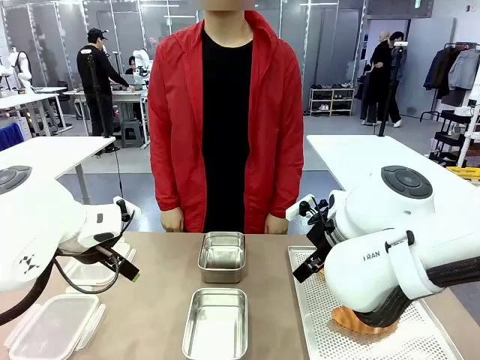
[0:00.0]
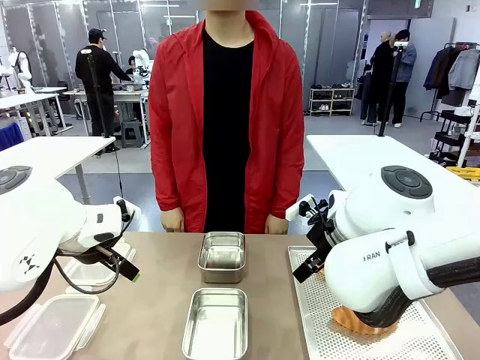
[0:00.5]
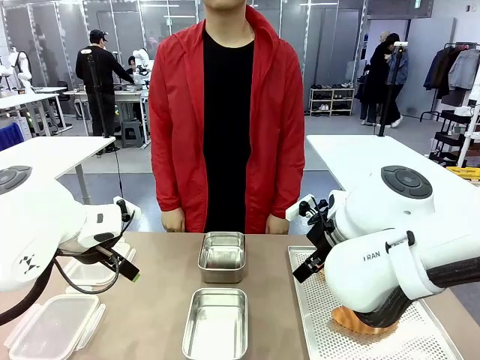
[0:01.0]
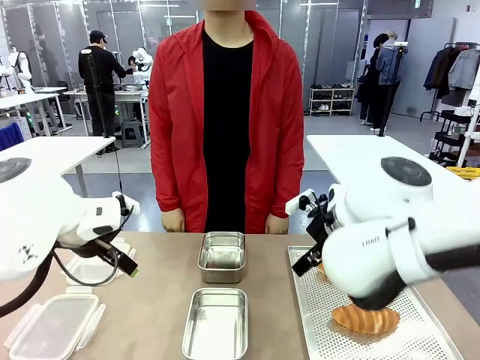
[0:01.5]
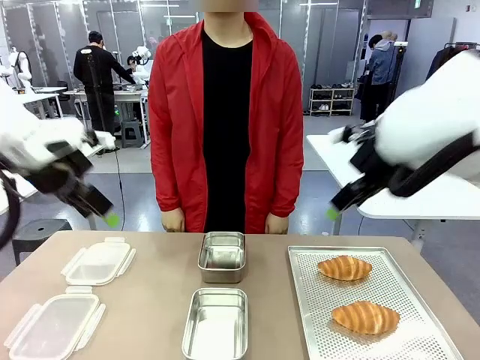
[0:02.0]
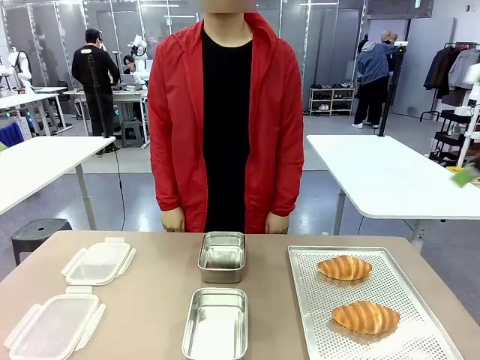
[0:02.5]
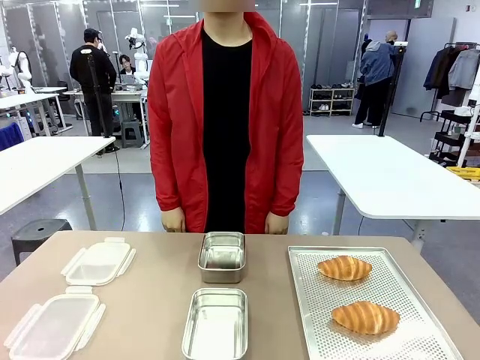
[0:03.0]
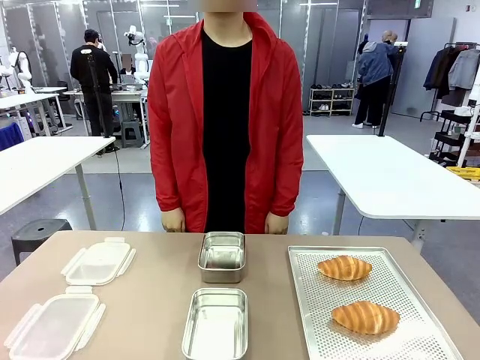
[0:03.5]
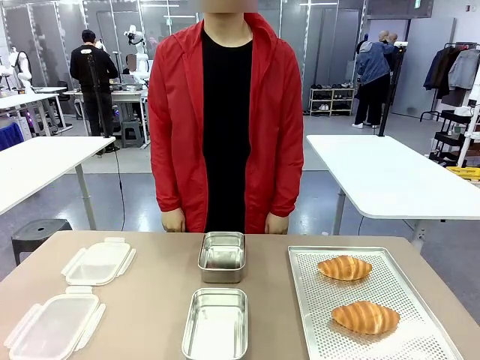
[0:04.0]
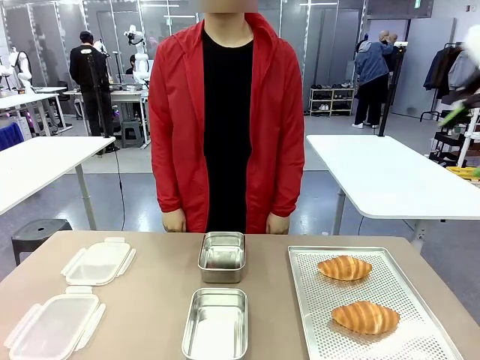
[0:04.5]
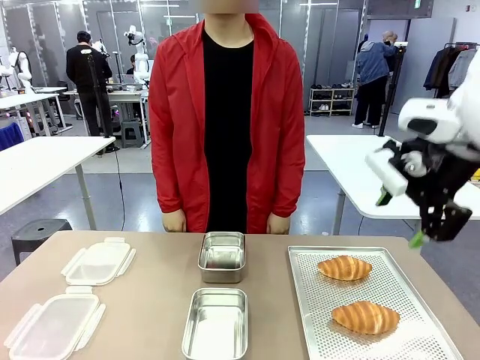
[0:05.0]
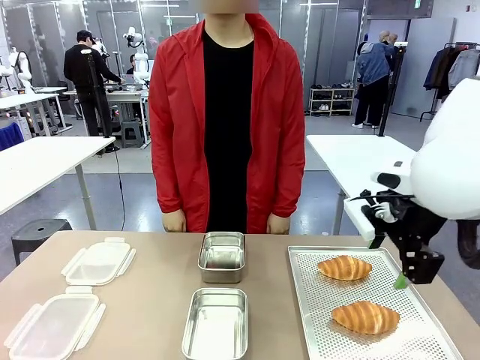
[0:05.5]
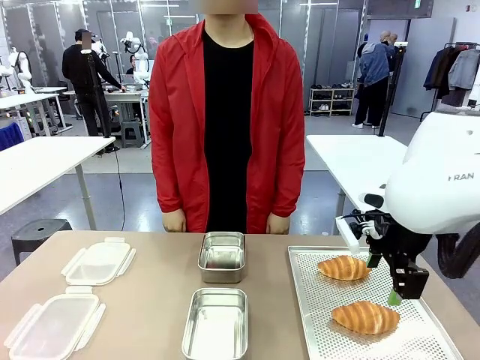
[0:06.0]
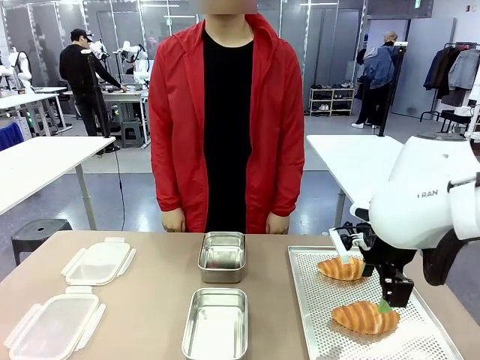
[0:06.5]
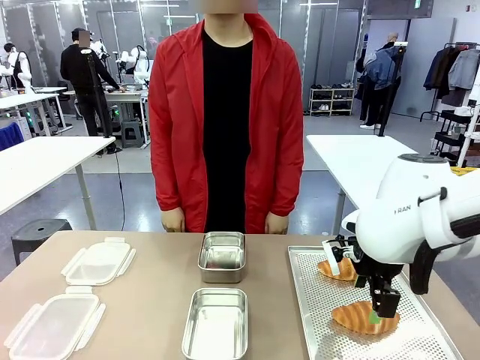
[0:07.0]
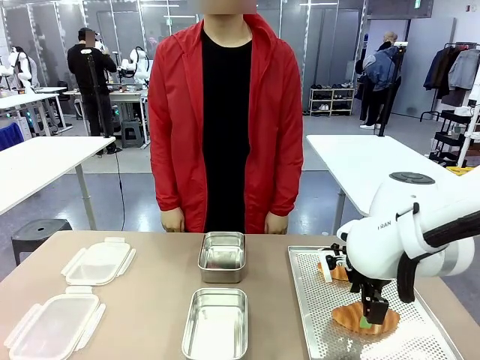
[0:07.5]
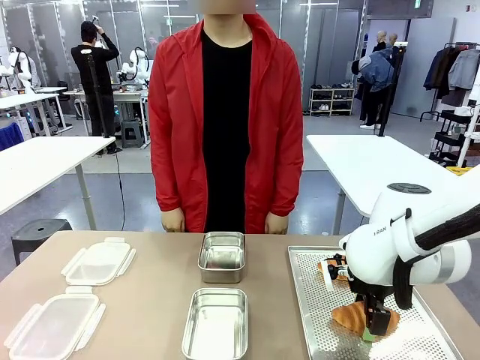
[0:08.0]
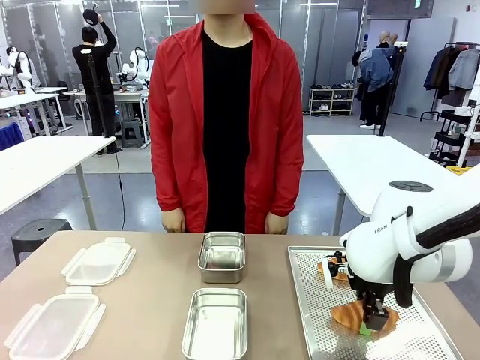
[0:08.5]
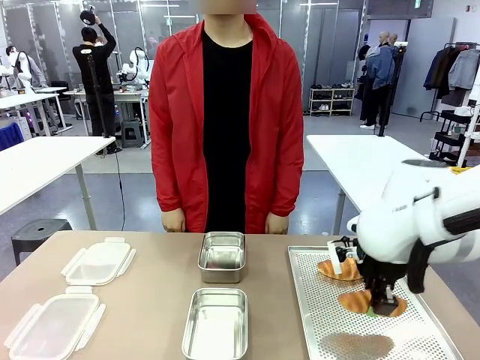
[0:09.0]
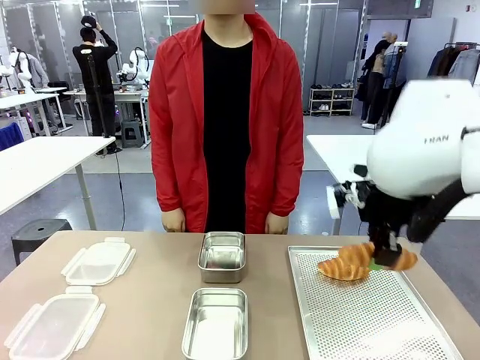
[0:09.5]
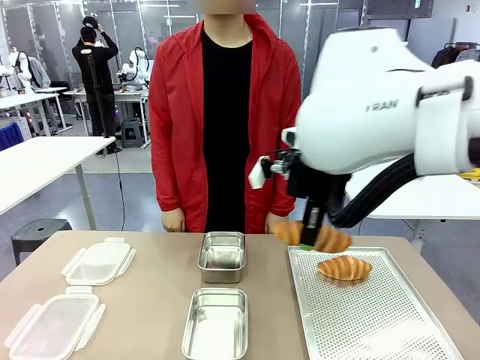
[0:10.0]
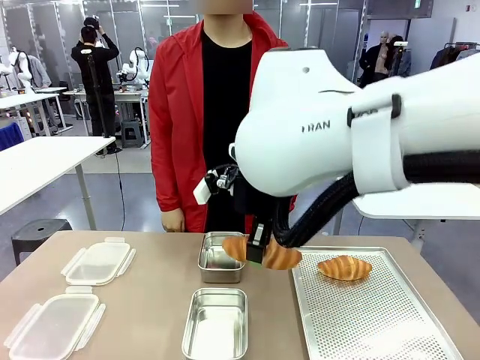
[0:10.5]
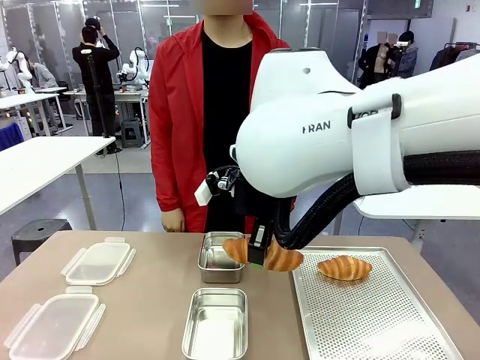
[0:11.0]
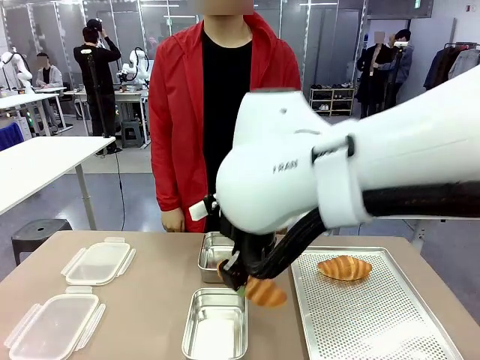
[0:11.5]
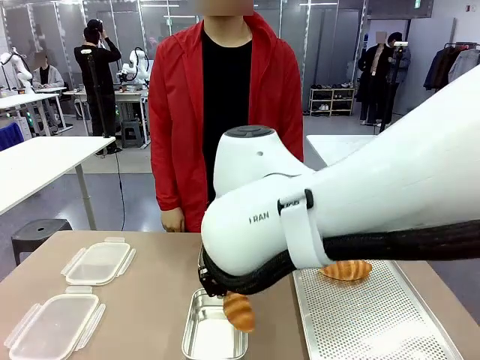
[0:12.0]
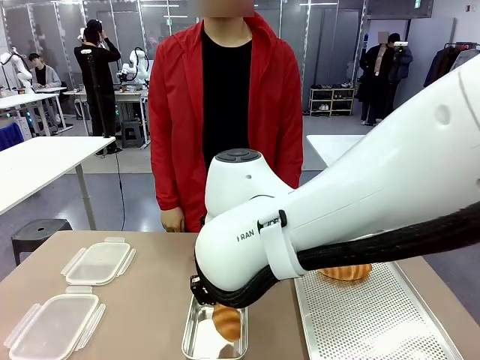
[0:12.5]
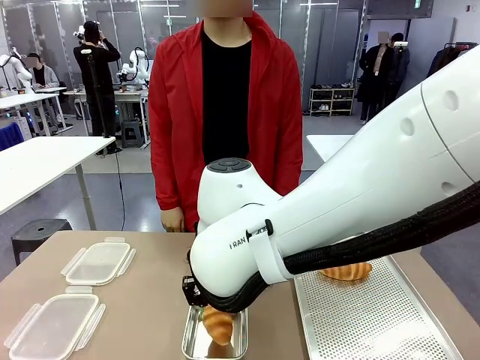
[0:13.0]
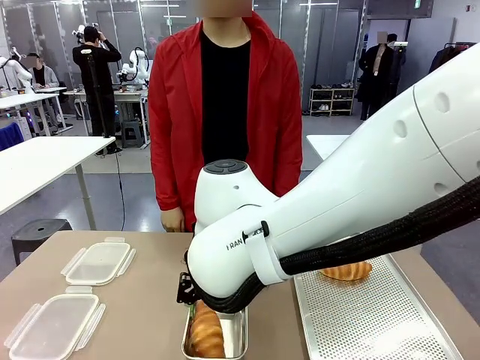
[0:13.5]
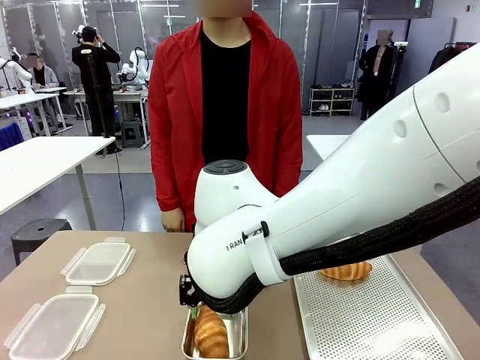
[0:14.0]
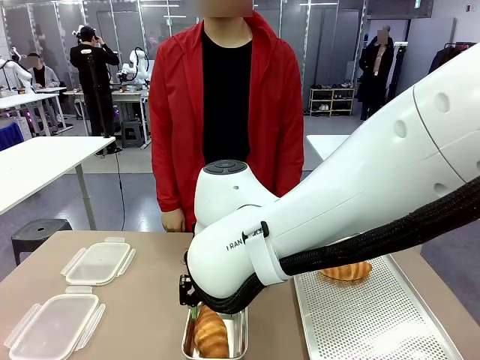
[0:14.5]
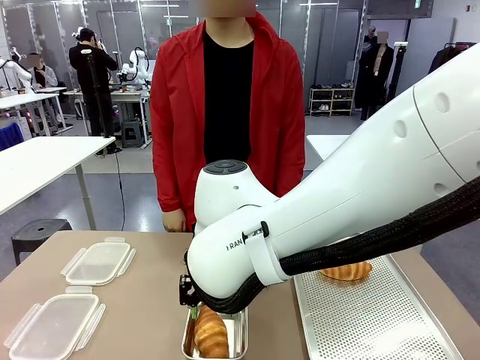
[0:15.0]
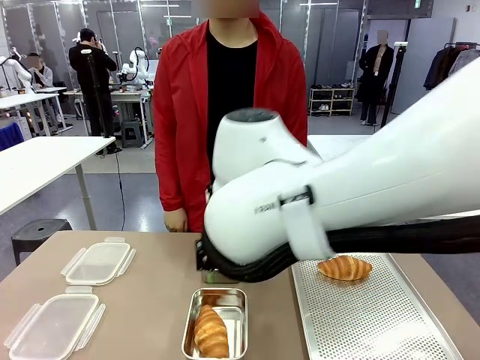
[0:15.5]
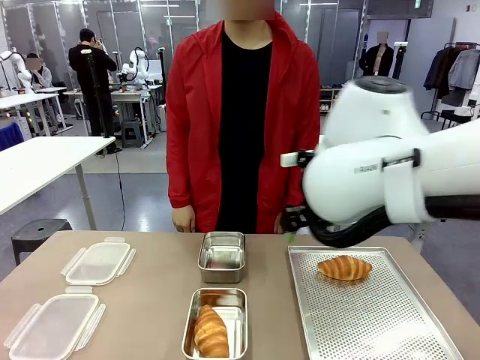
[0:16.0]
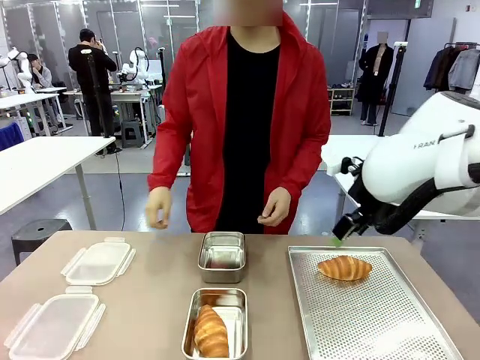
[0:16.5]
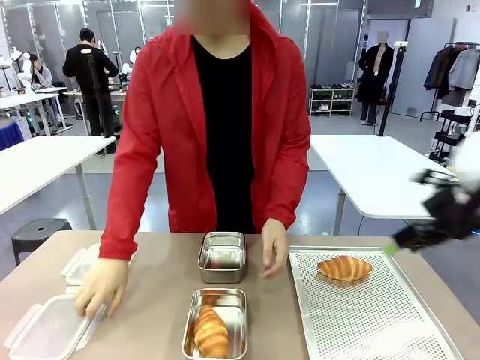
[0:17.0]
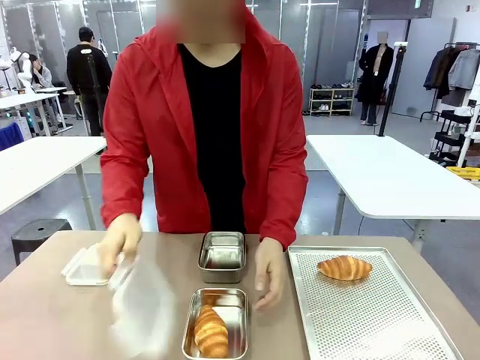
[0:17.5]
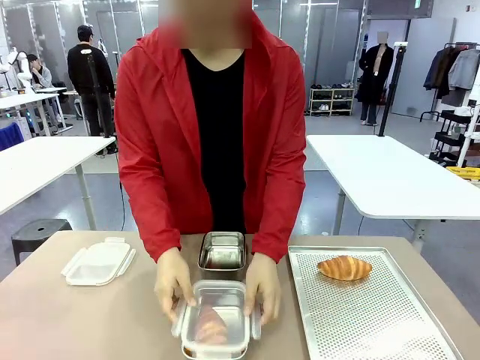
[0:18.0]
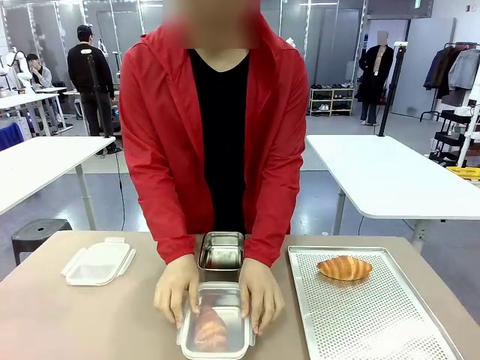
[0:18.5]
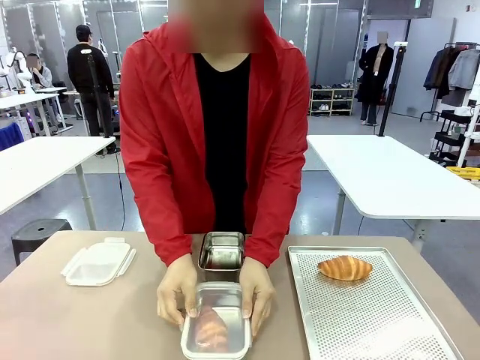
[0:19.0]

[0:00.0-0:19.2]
Task: Place the bread into the airtight container.
Robot: Pick up a Butter Roll and place it into an empty Airtight Container.
